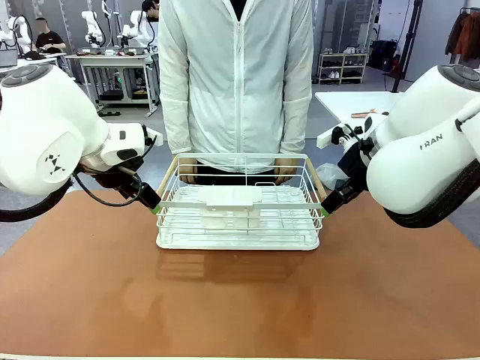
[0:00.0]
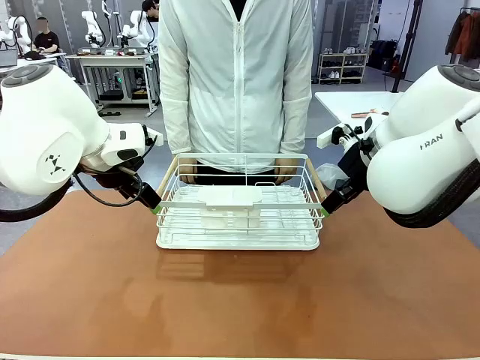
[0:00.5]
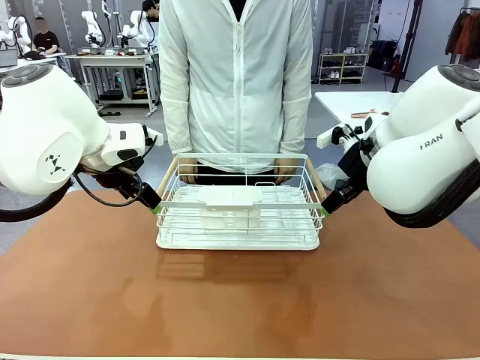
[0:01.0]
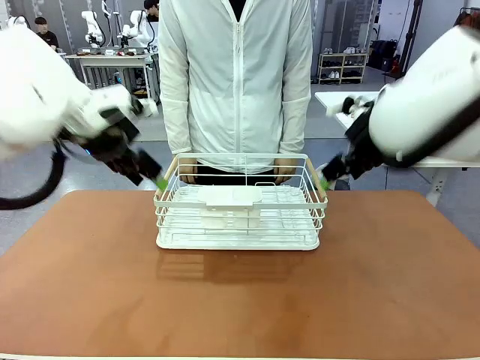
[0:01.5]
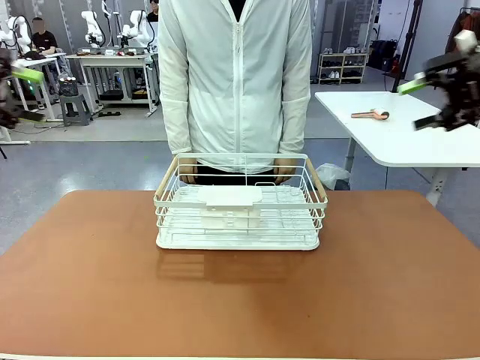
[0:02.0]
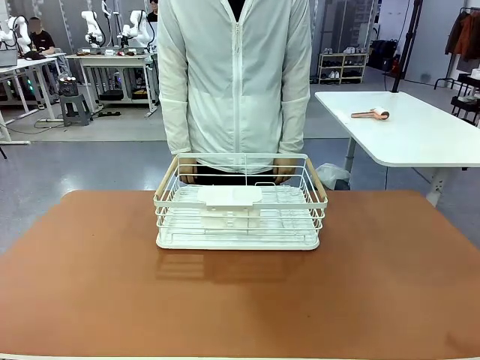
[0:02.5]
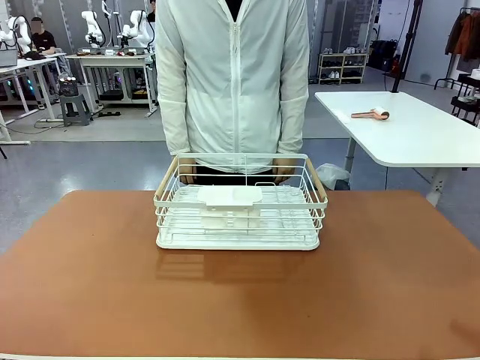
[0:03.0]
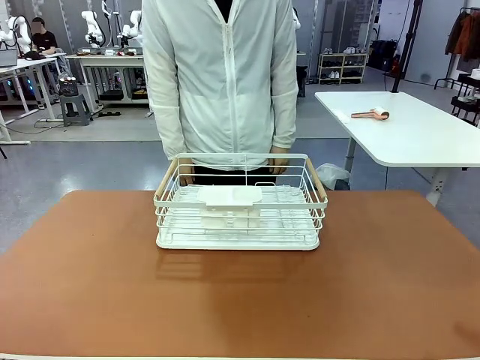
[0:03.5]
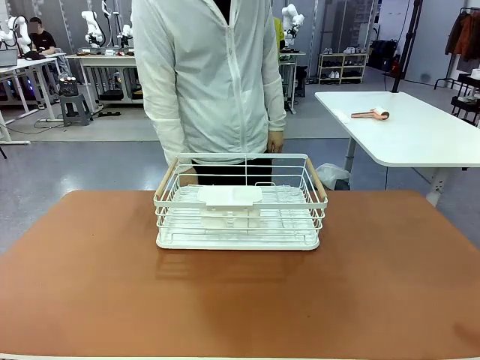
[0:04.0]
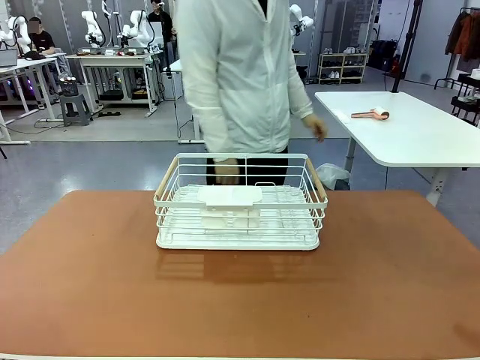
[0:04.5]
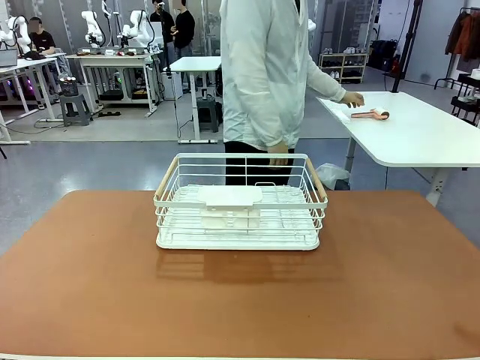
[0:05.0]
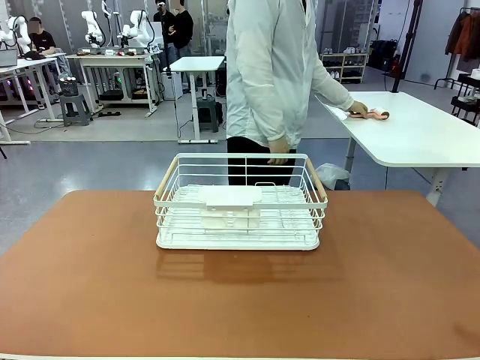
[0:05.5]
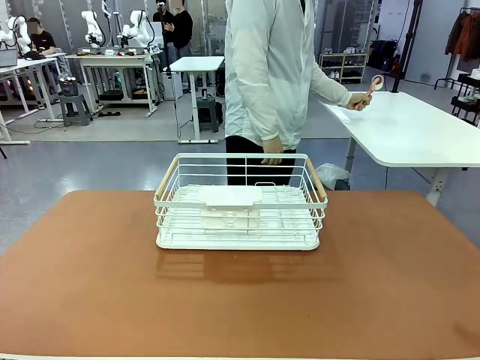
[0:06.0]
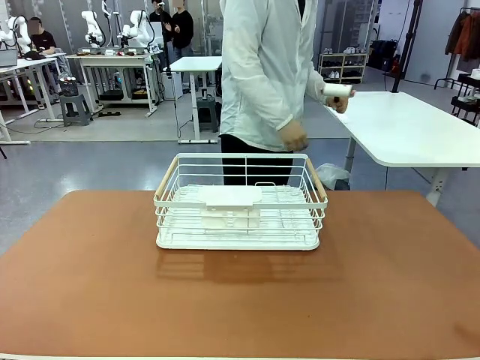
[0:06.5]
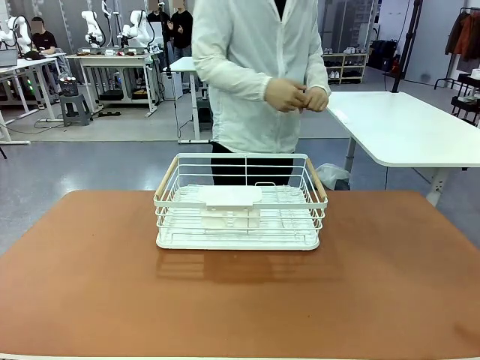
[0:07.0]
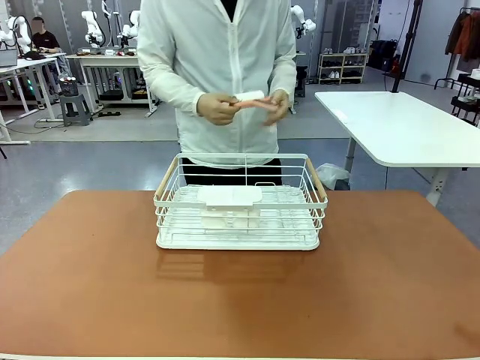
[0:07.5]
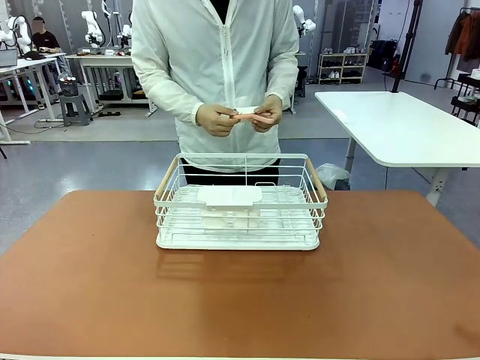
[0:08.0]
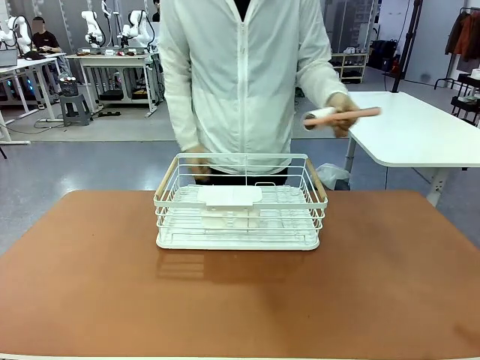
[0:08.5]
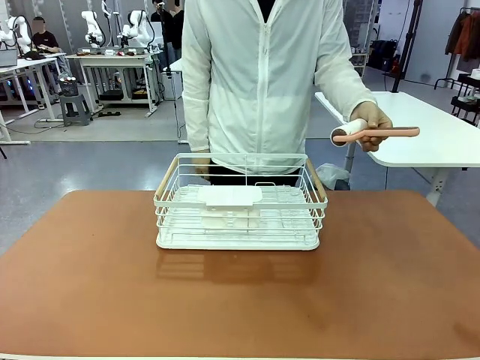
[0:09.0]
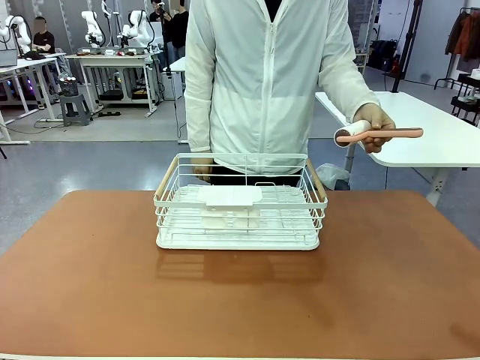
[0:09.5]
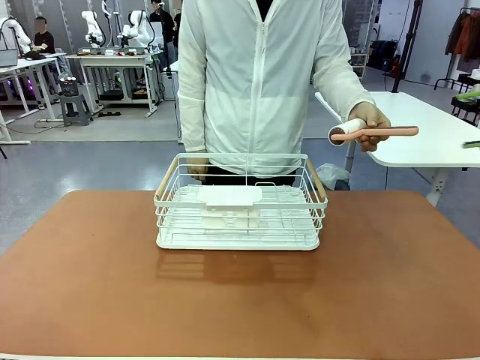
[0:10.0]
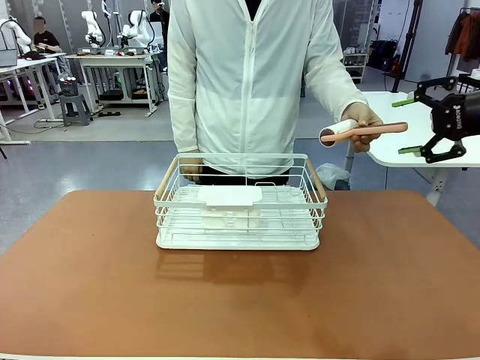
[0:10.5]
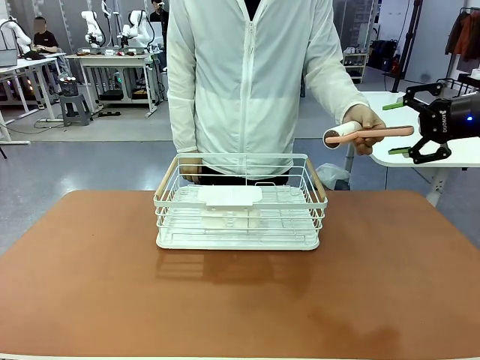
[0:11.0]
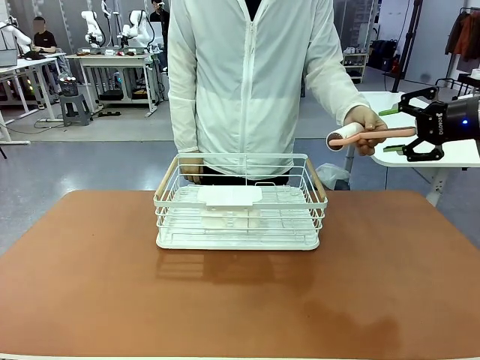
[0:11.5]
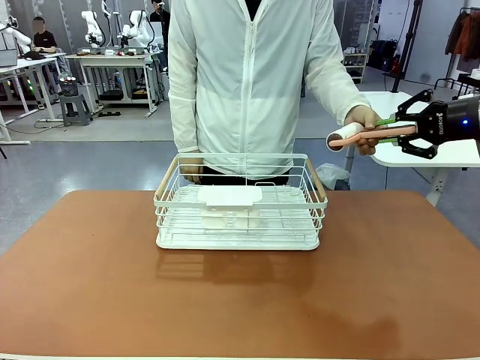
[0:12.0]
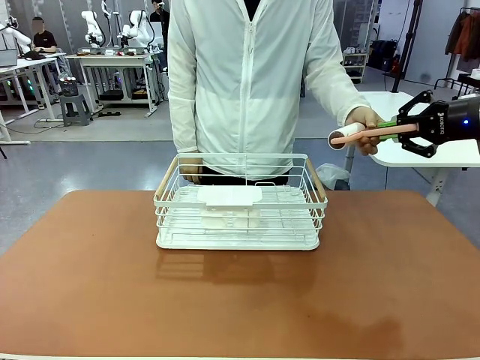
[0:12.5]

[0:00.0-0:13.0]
Task: Clean the table.
Robot: Pick up the Lint Roller when the human hands it over.
Person: Hand the Lint Roller to the robot so it can easily pick it up. Lift the Dish drying rack.

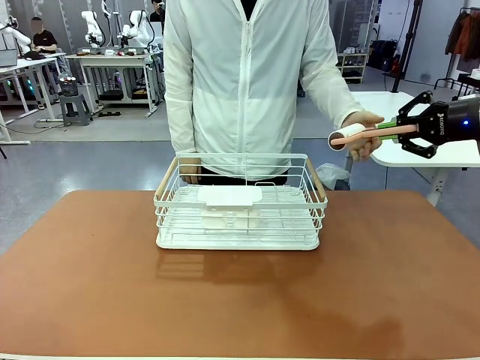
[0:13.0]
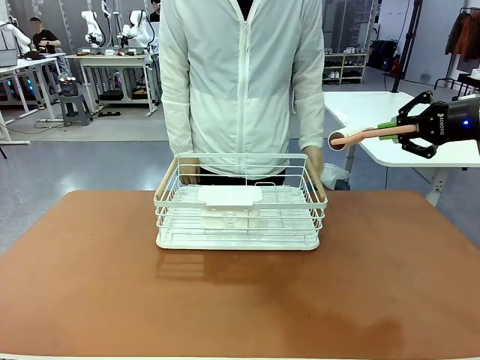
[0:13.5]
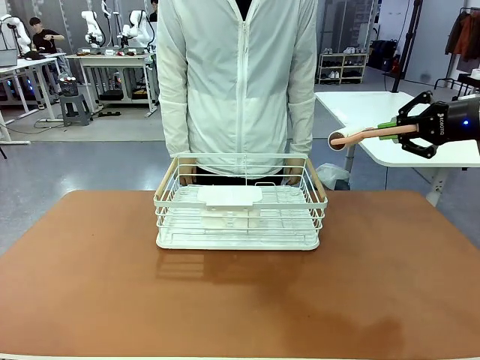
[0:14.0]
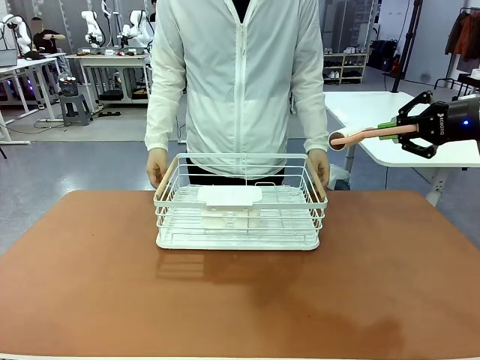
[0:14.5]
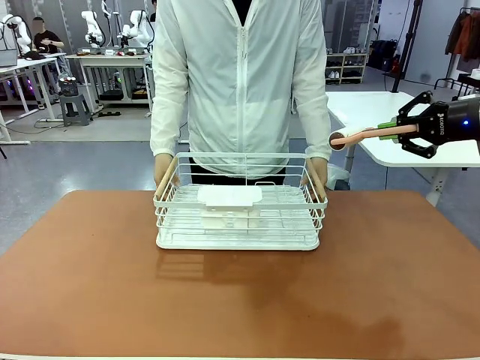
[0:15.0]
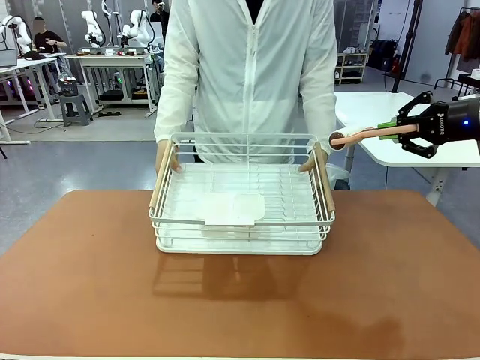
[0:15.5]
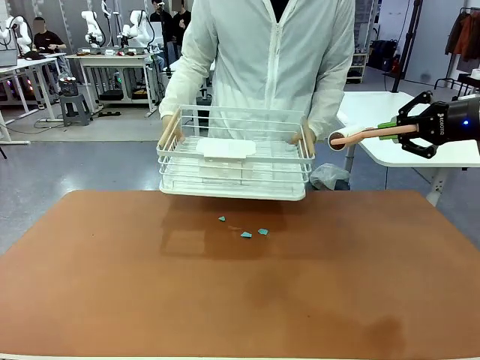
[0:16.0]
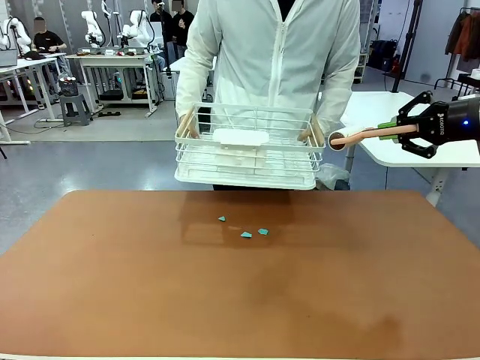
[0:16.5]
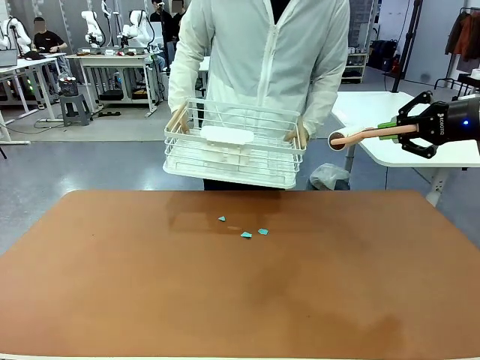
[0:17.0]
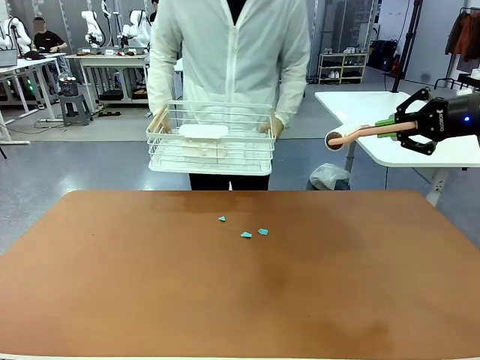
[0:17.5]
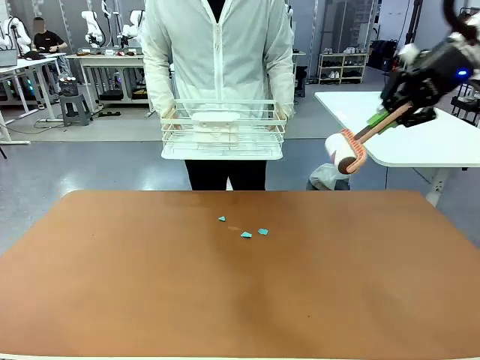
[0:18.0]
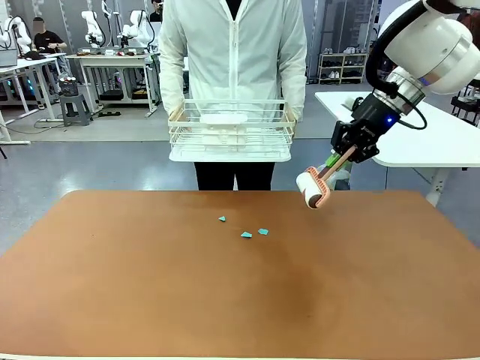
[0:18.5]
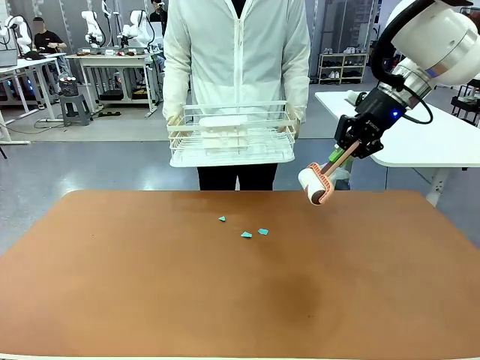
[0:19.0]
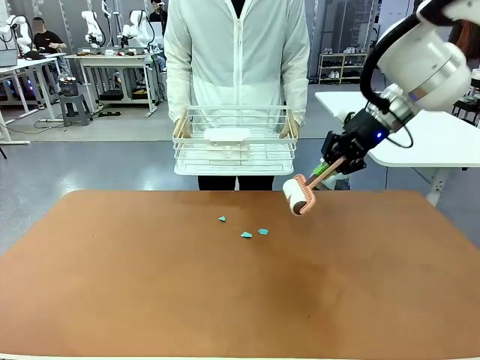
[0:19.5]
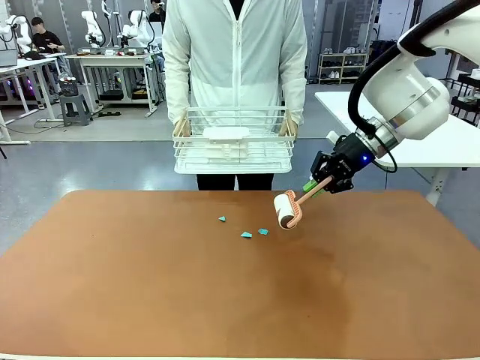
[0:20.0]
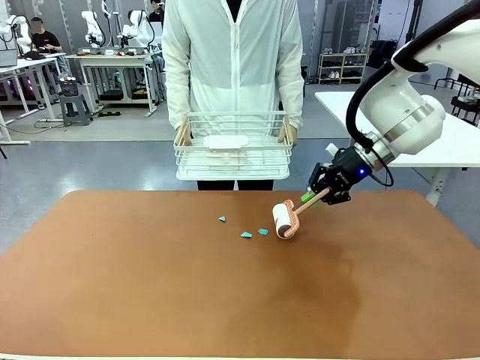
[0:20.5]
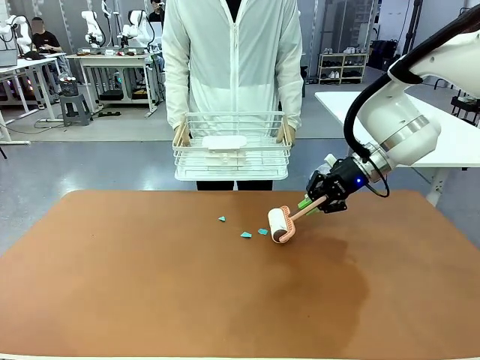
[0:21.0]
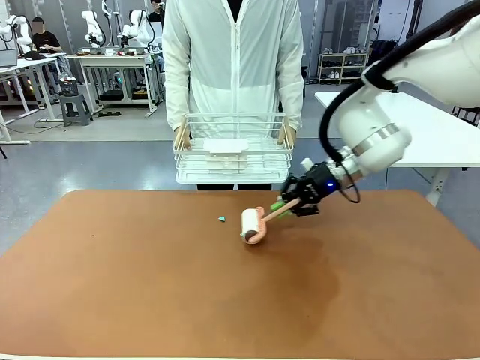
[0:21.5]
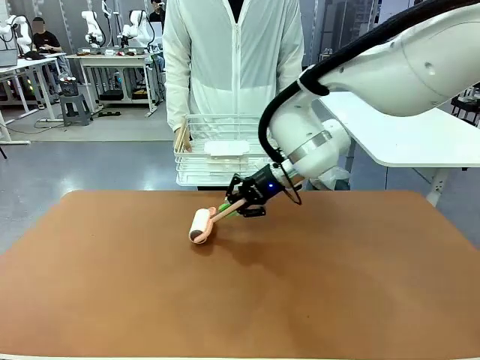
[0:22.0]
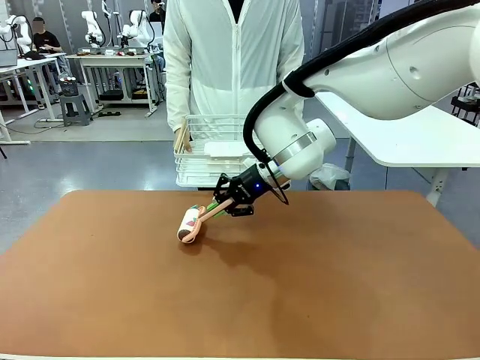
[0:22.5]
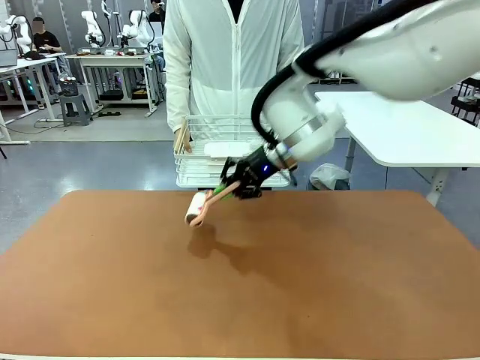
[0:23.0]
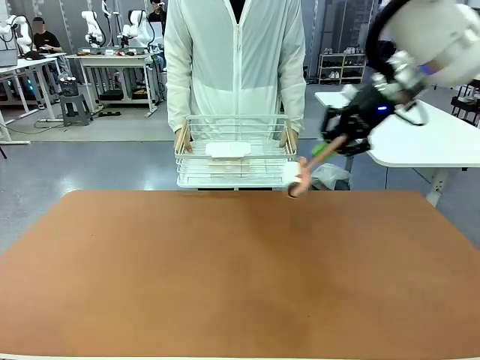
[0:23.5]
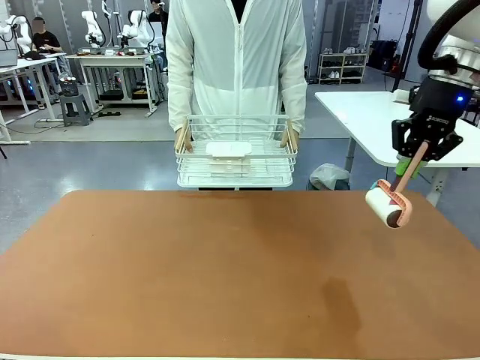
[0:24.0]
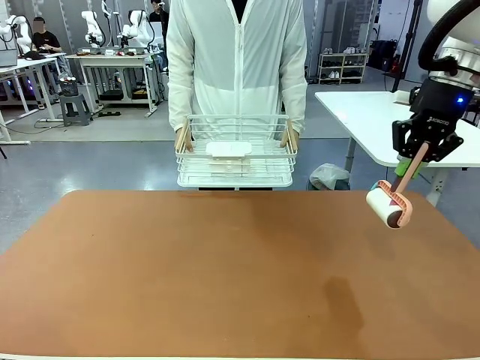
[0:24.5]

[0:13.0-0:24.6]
Robot: Clean the table with the Lint Roller when the human lifts the Dish drying rack.
